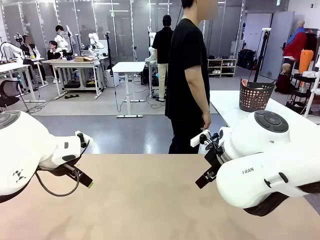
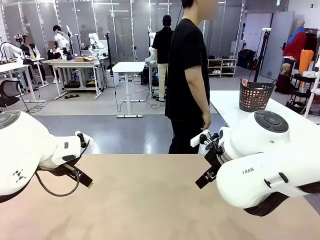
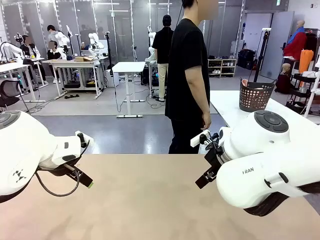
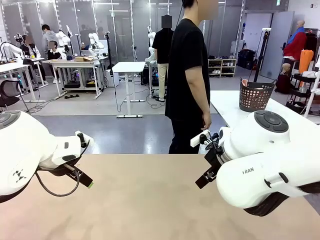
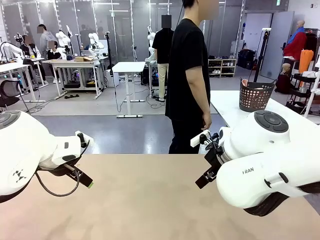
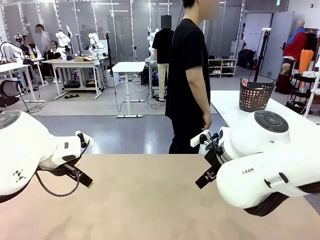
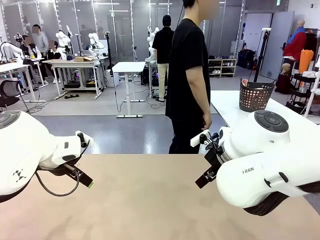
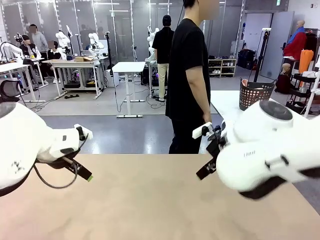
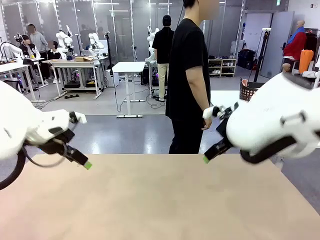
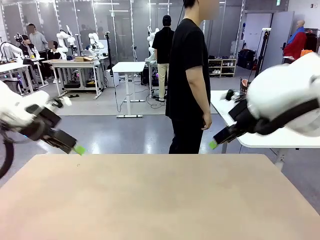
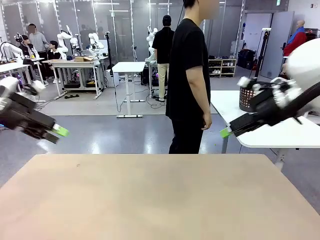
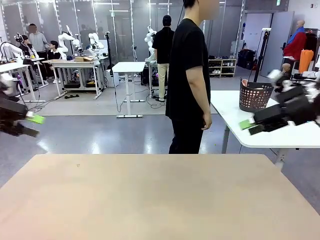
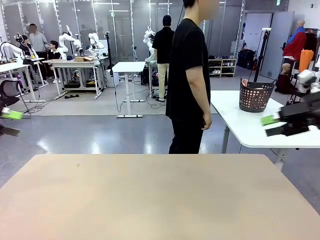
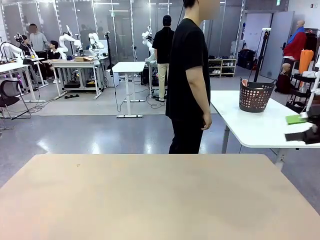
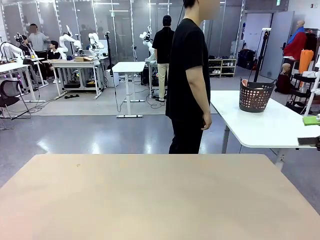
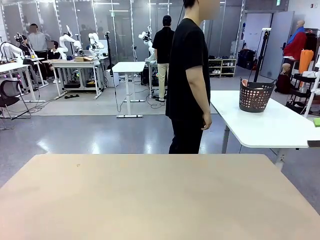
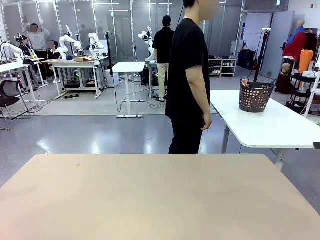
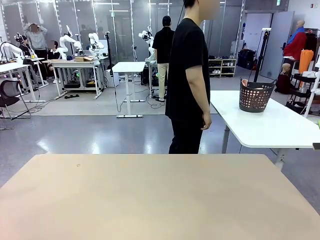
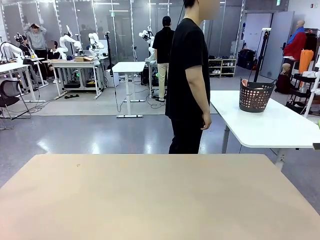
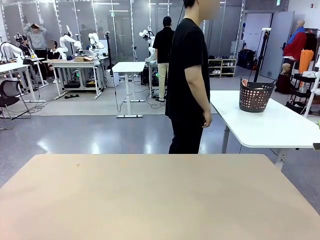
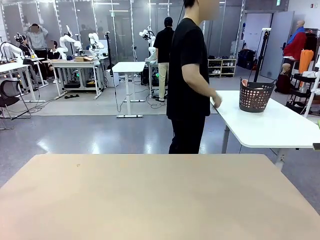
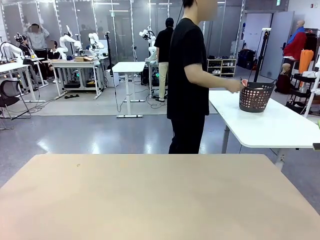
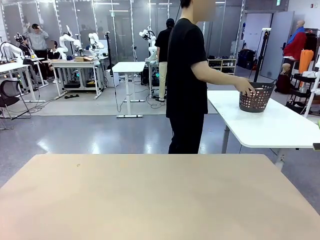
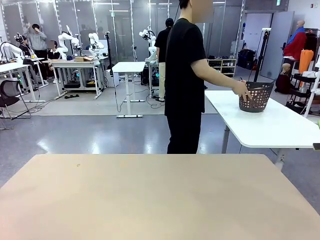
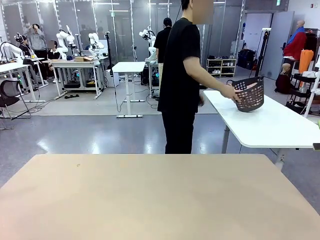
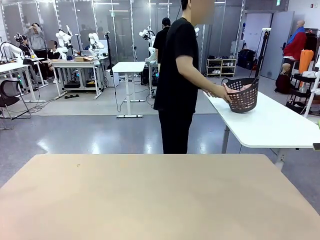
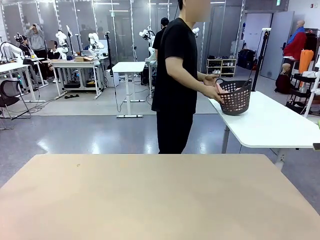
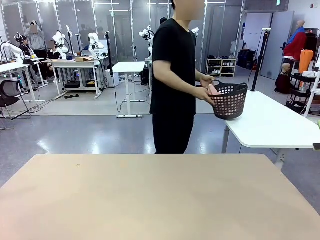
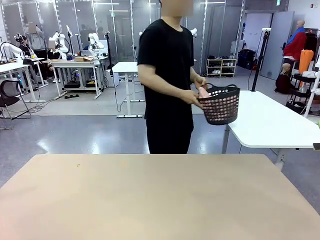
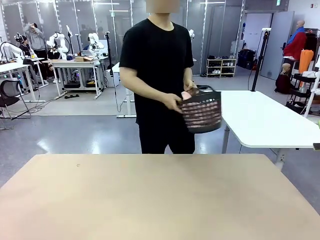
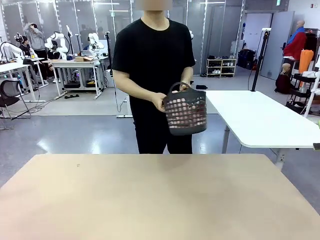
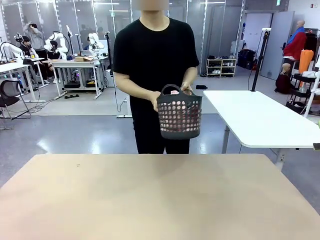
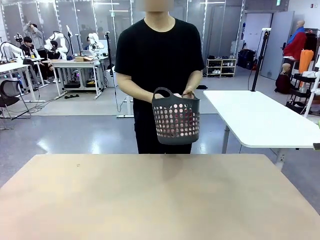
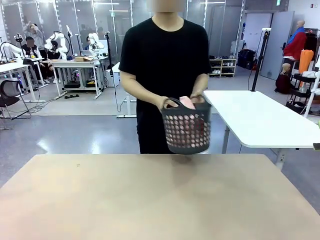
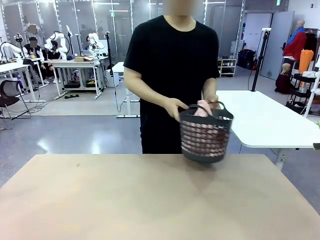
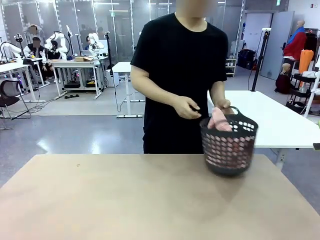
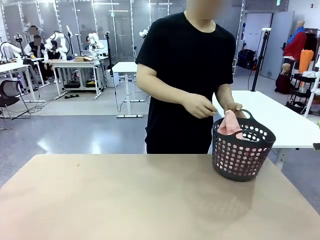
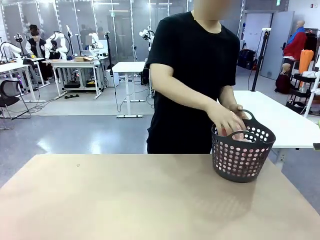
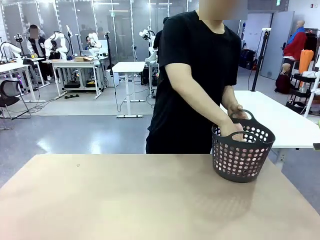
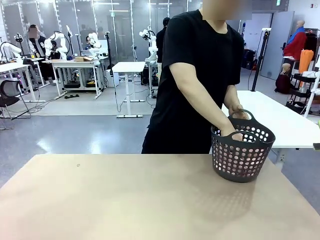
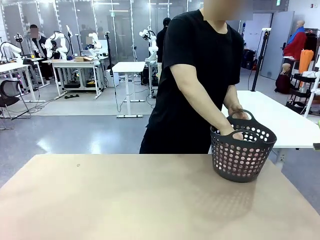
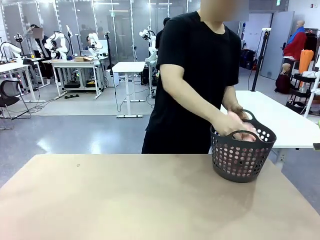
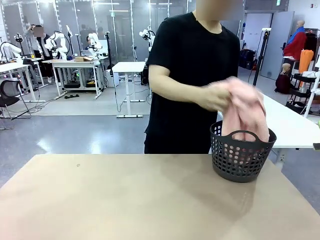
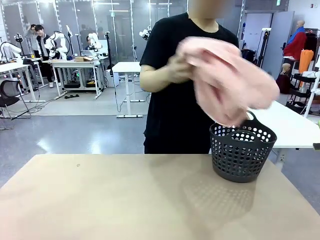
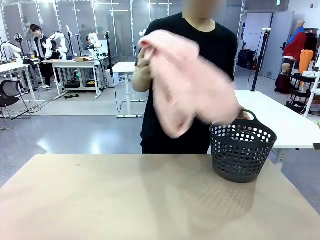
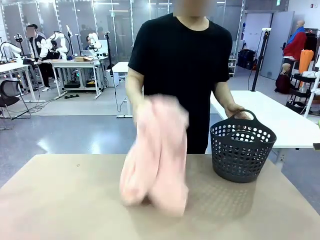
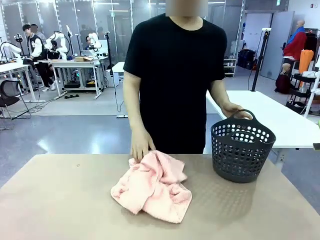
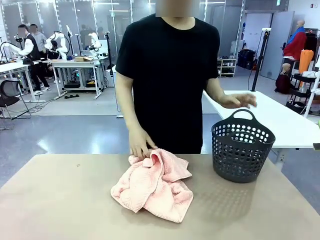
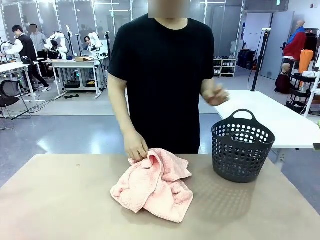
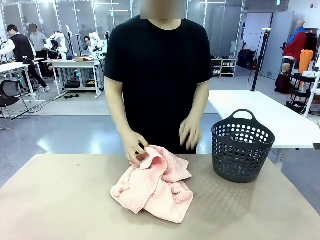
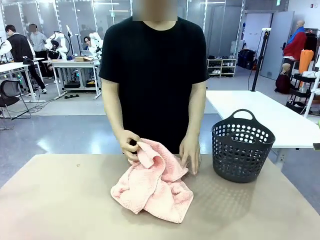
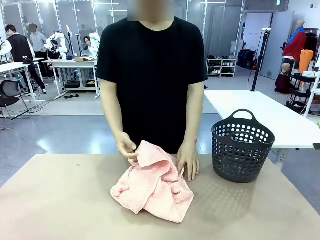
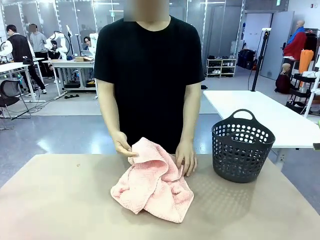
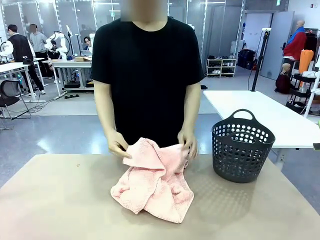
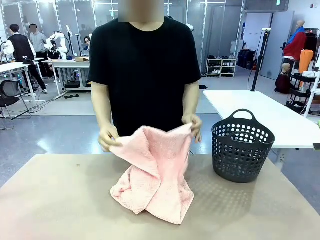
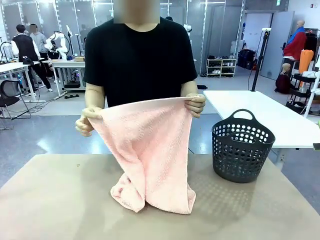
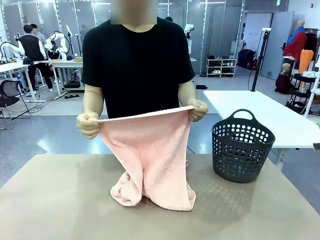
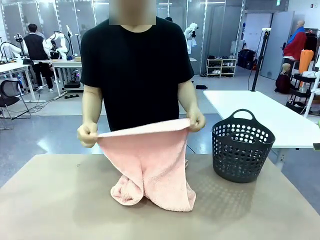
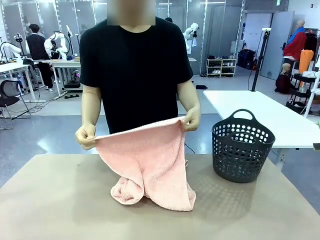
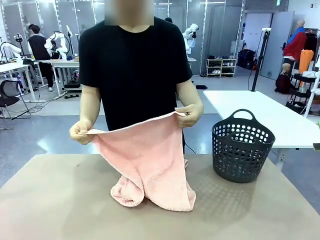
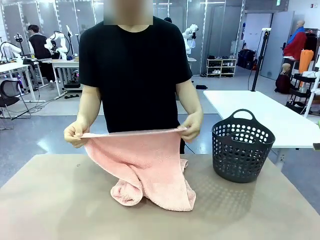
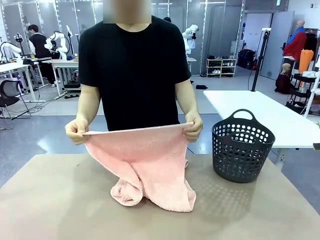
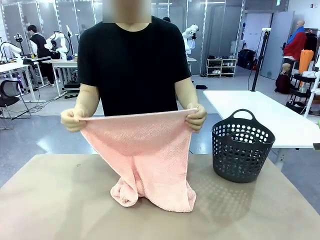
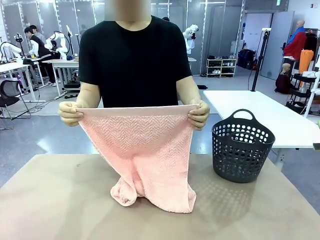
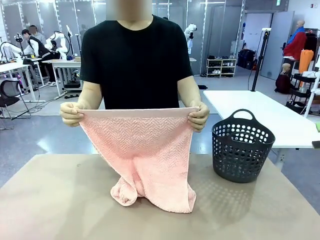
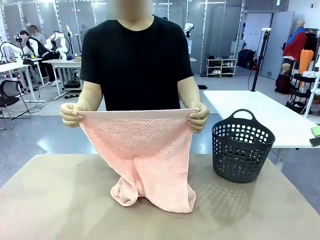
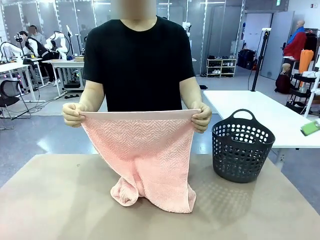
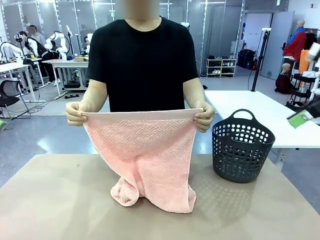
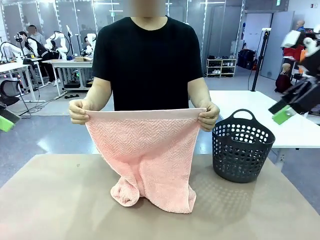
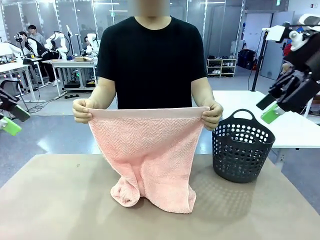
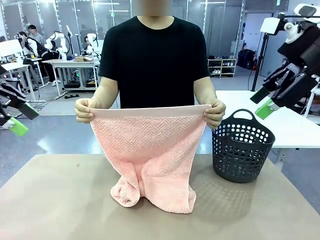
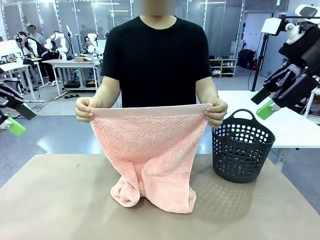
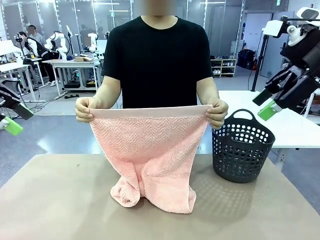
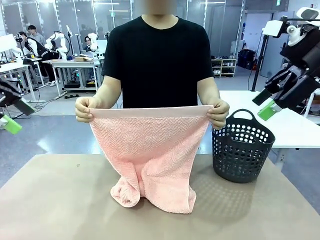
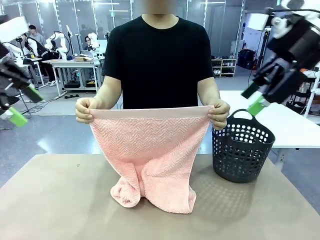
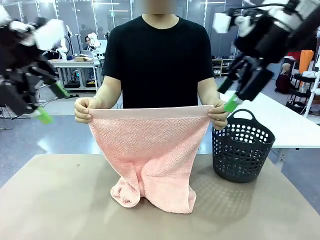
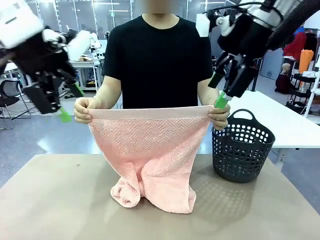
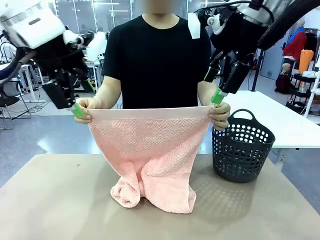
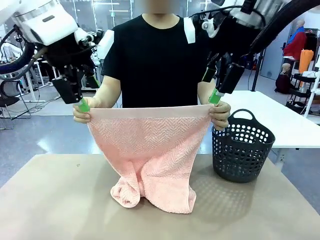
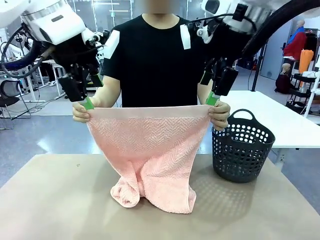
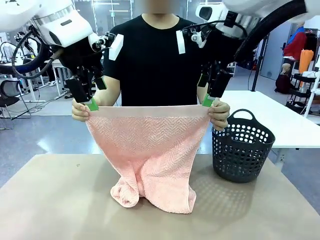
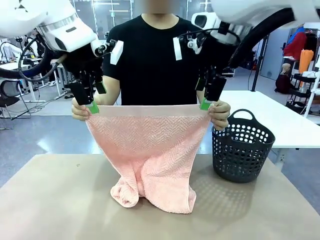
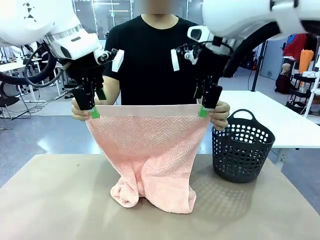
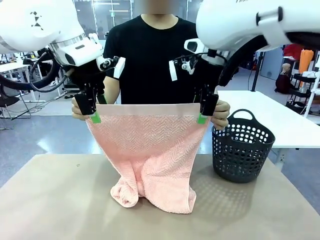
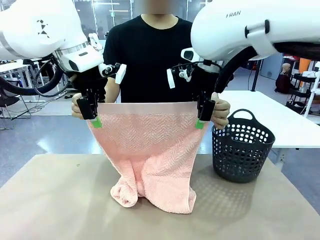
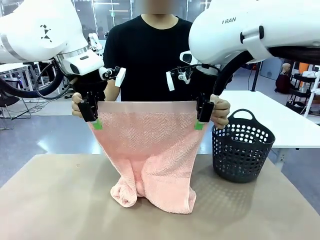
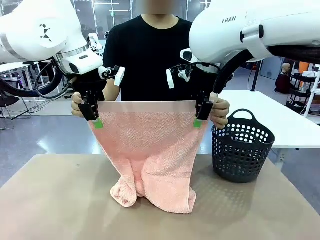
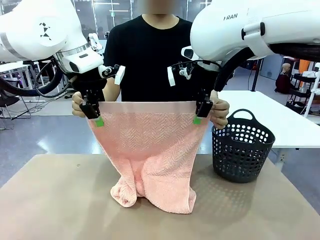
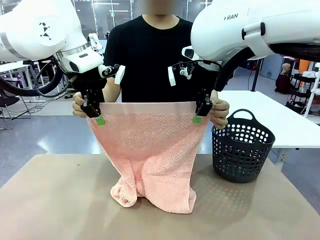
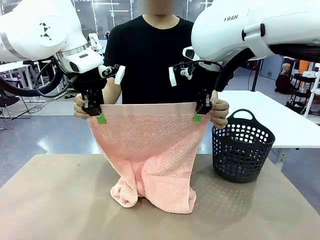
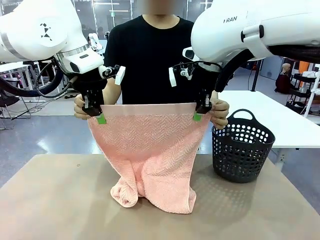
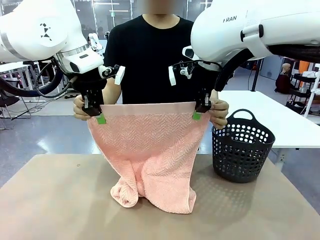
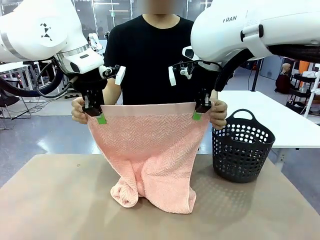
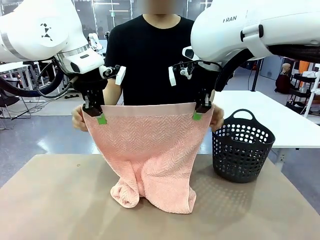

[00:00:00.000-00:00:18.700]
Task: Fold the towel.
Robot: Grab the top end of the 100 cm Hotel Towel extended by the human.
Person: Pick up the laundry basket, place it on the left side of the robot table, then take out a towel and hand it to the robot while holding both corners of one end.
